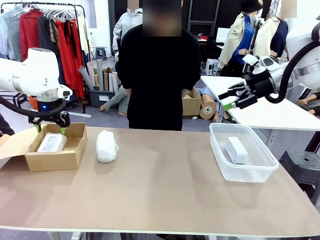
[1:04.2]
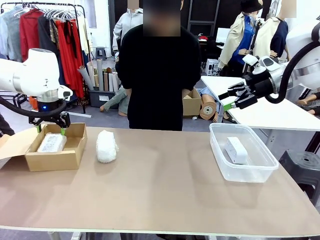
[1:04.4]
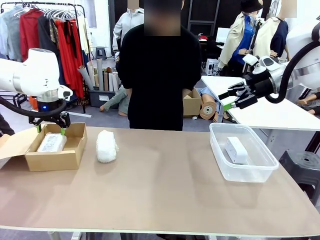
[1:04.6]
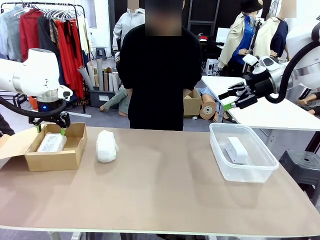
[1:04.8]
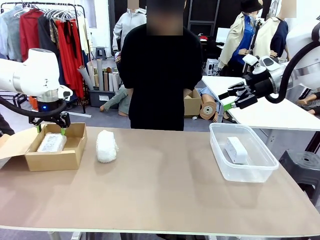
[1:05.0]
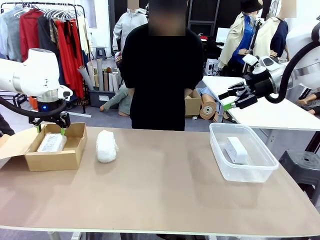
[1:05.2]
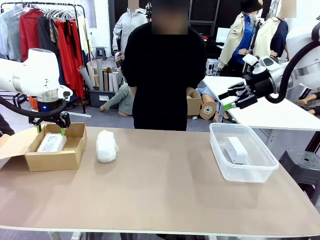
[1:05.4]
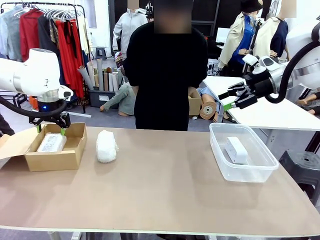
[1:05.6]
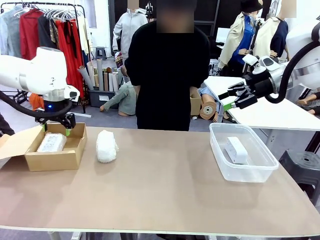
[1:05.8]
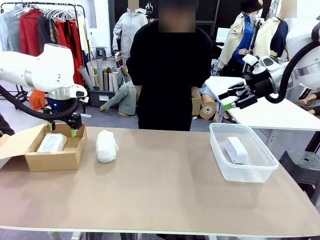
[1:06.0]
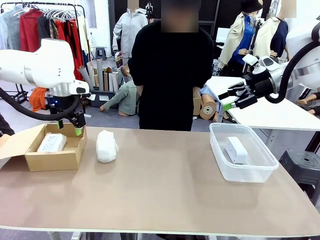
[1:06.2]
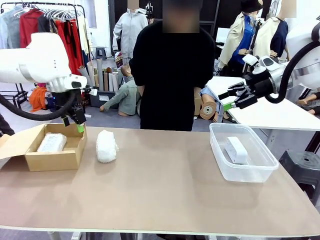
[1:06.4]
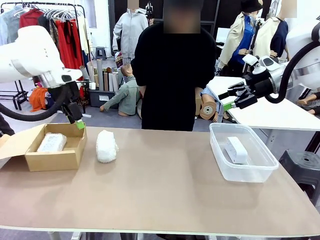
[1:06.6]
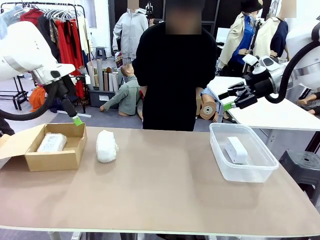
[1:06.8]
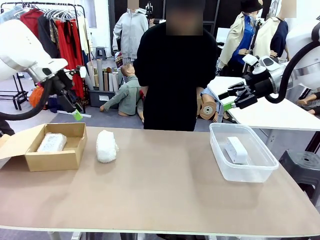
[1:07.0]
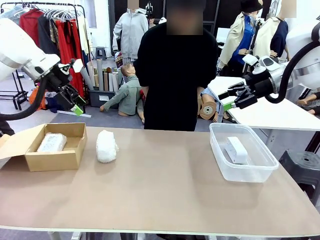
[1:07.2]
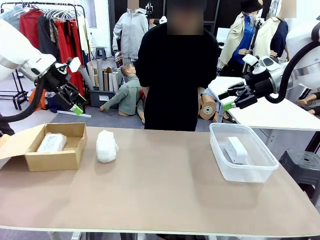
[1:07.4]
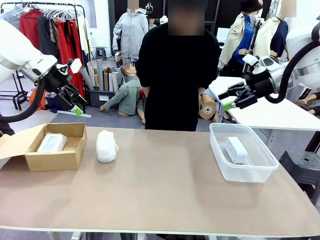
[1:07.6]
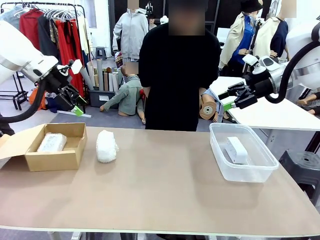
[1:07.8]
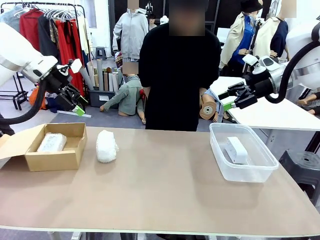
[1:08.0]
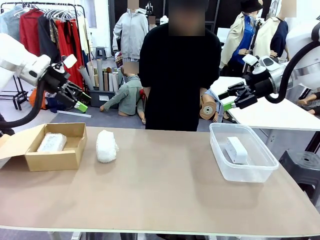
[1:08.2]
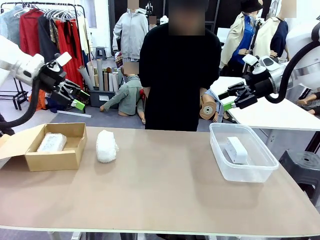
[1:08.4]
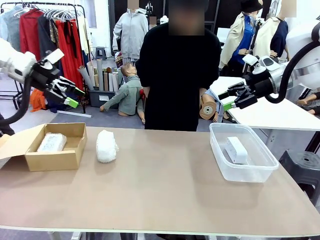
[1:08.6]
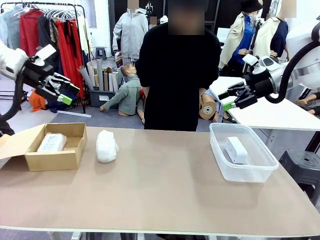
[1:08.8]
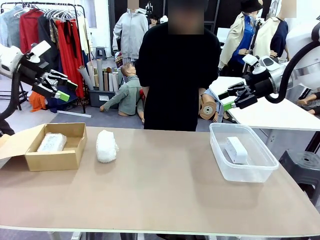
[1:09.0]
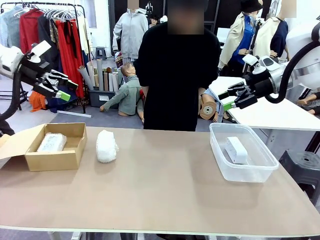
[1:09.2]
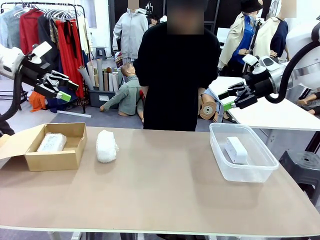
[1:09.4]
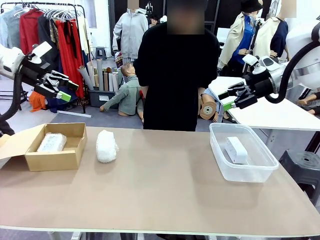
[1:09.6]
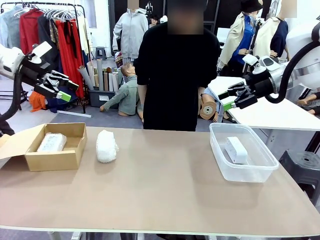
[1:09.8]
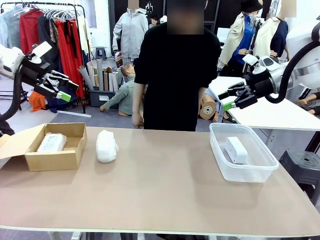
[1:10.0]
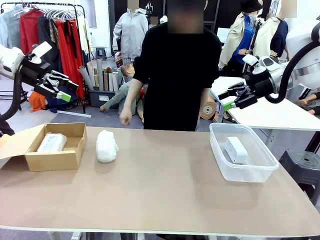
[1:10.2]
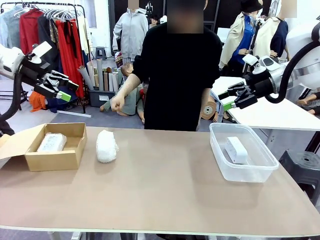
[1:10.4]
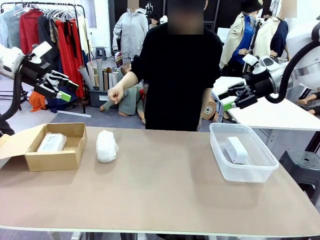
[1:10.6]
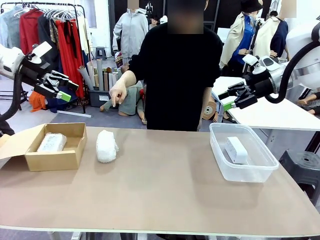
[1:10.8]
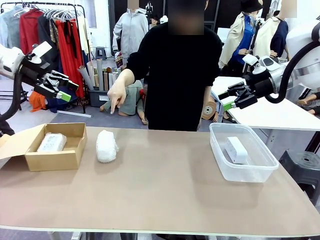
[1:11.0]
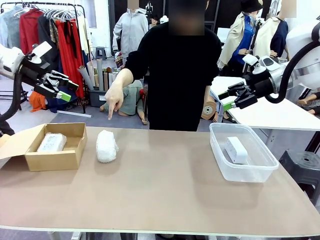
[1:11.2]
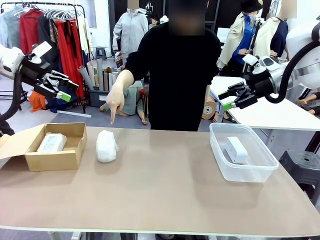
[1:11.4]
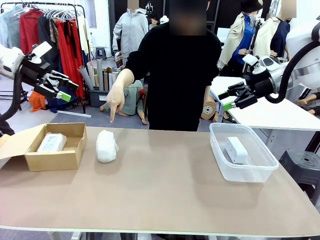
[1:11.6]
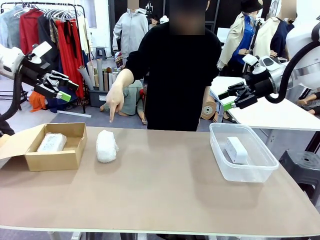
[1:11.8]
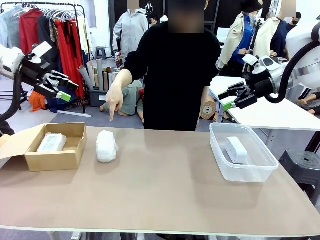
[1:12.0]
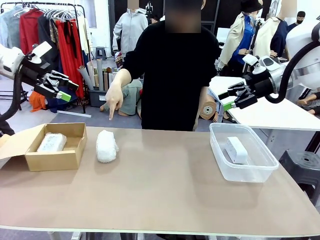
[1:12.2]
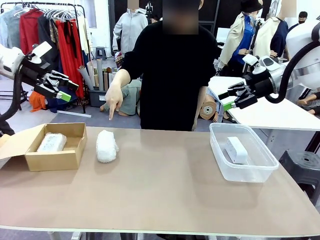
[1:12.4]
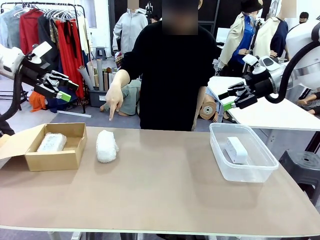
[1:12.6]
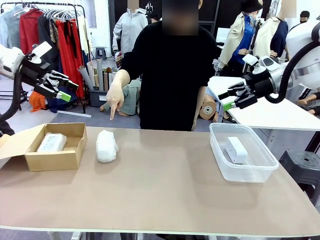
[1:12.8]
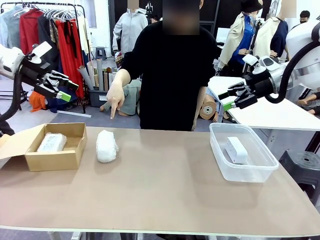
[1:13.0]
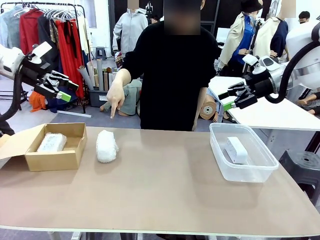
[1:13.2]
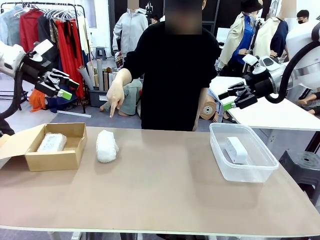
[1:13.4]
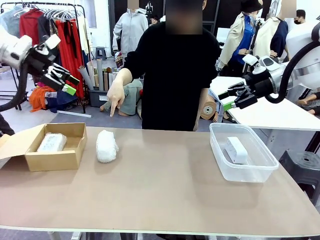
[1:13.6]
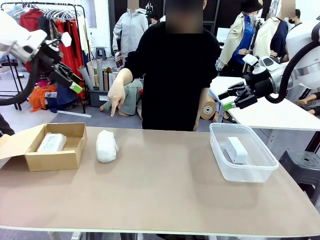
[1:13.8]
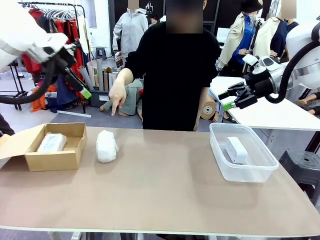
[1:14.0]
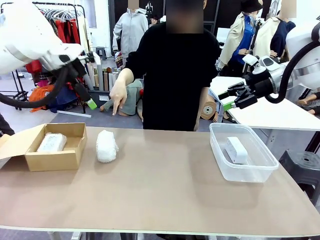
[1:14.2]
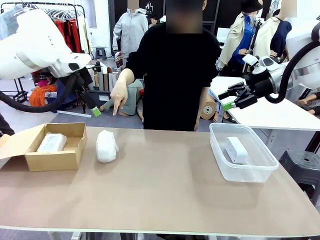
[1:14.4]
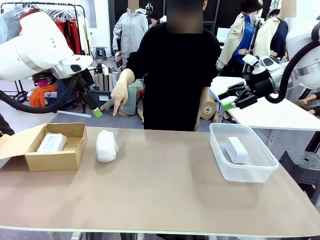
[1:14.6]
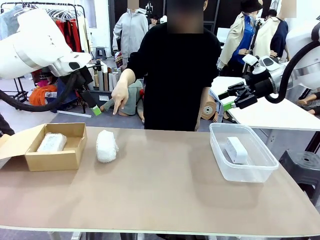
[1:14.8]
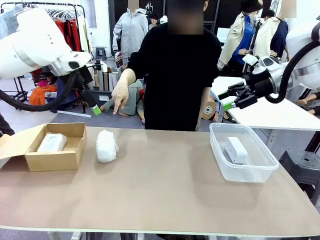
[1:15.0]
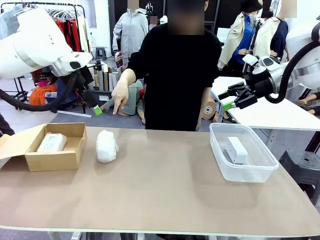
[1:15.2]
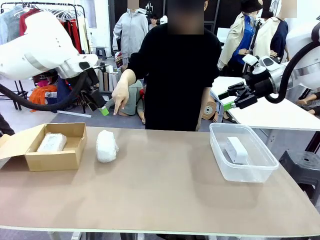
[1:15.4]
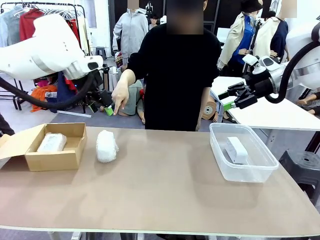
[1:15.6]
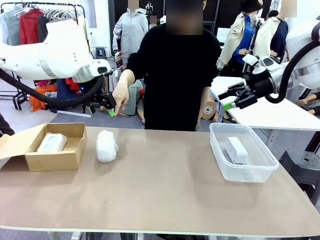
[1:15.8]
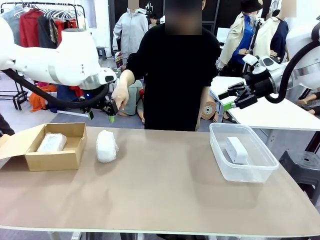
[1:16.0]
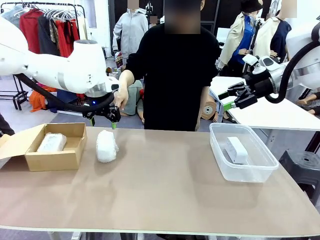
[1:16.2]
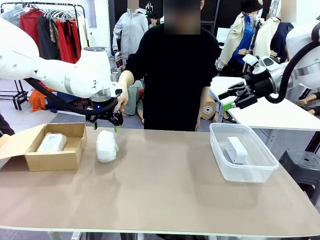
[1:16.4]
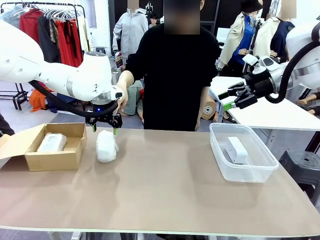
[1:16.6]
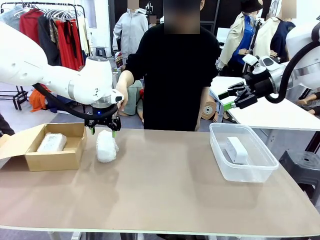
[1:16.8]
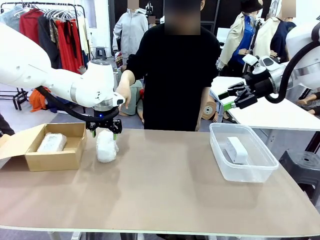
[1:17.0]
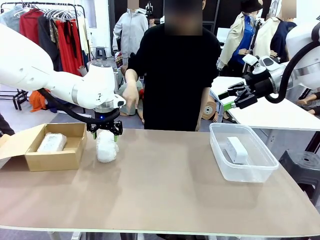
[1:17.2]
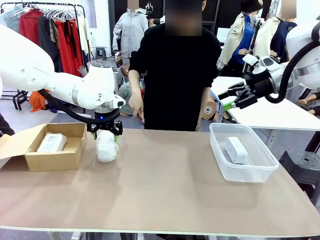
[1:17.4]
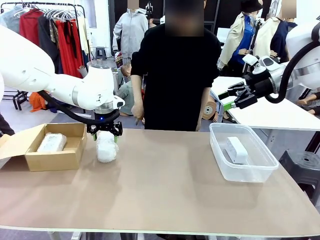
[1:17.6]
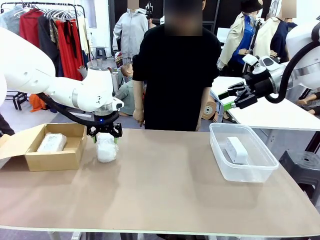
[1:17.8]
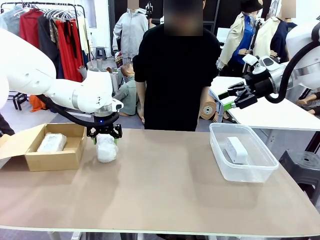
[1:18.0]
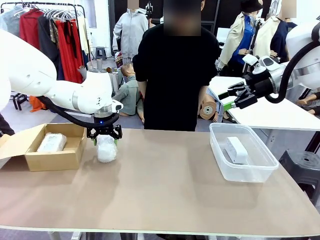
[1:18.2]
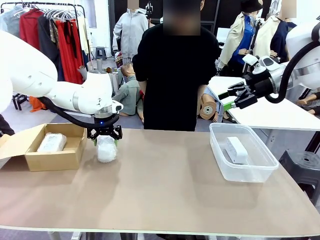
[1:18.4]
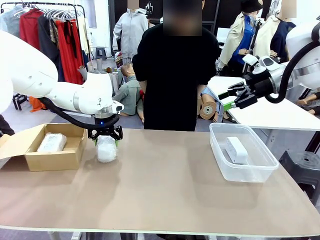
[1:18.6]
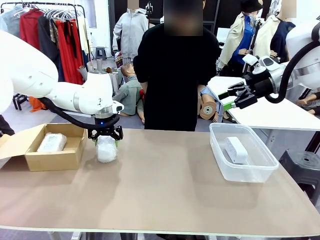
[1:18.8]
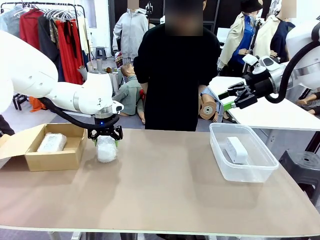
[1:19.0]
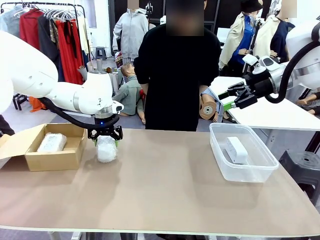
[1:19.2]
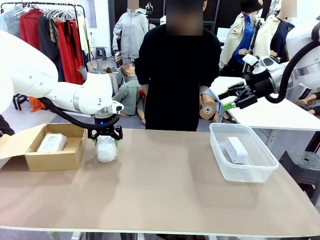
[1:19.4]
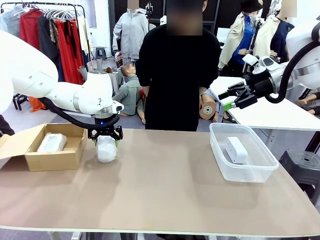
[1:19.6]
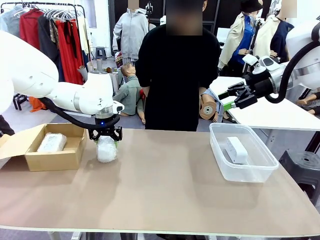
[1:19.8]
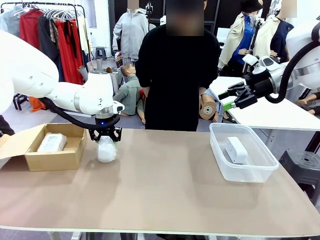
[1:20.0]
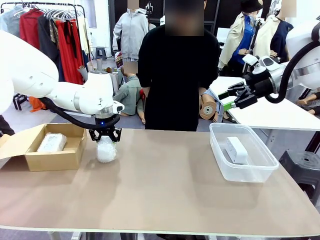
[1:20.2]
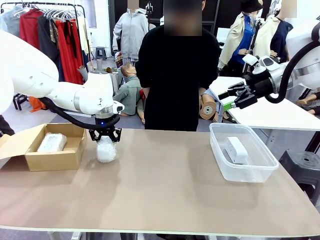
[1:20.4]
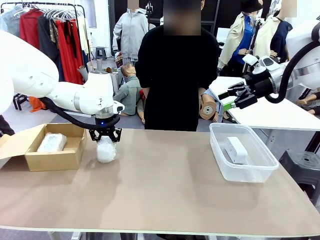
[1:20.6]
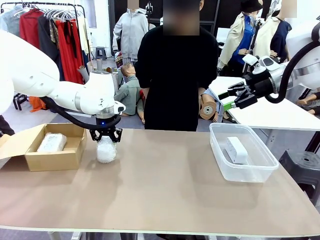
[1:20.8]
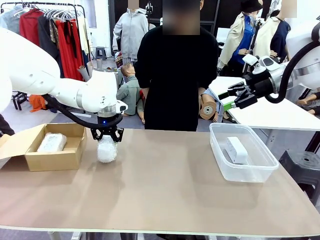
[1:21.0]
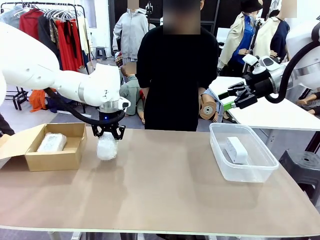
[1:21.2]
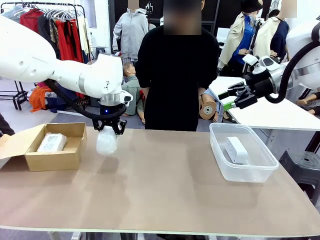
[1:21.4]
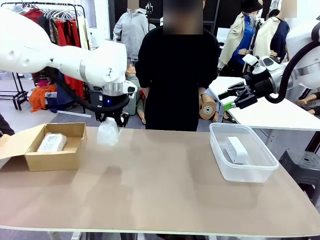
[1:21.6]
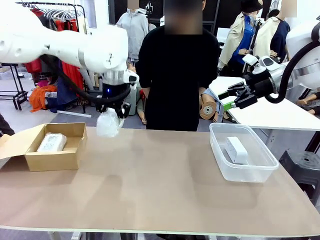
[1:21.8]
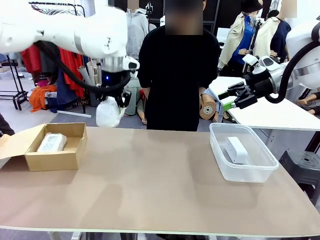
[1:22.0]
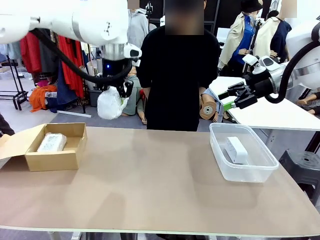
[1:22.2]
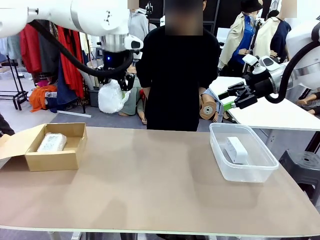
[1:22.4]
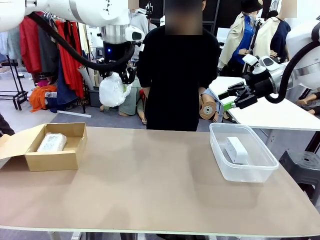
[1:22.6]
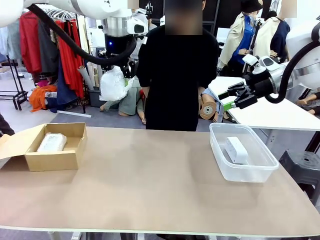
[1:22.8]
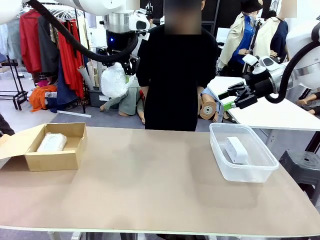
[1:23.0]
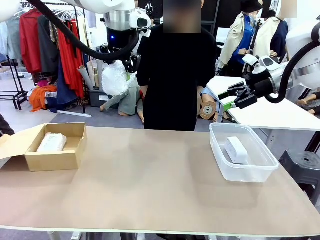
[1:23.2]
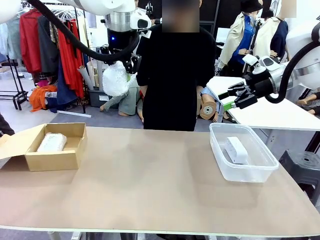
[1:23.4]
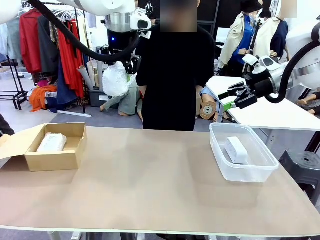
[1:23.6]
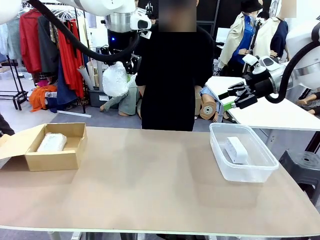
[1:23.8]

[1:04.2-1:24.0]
Task: Separate and place wrapped and unwrapped clocks.
Robot: Pick up the Digital clock indicated by the person.
